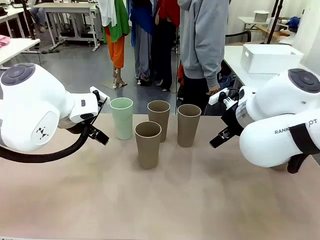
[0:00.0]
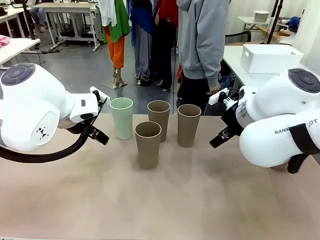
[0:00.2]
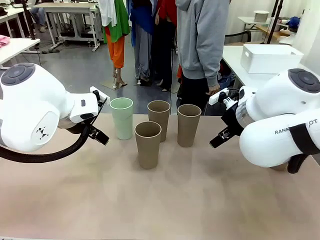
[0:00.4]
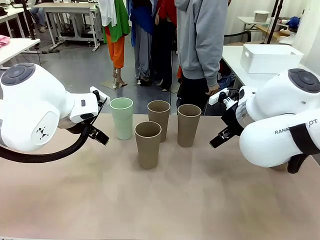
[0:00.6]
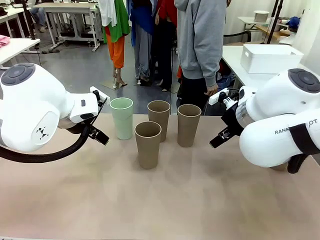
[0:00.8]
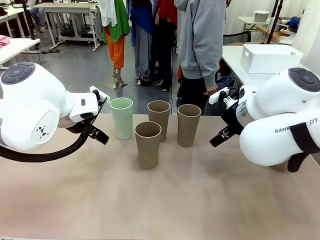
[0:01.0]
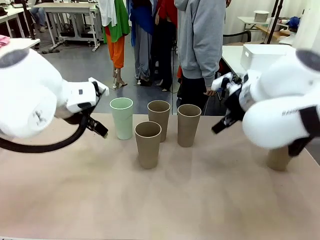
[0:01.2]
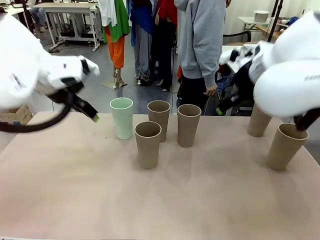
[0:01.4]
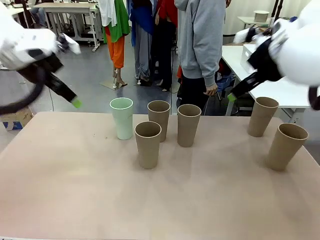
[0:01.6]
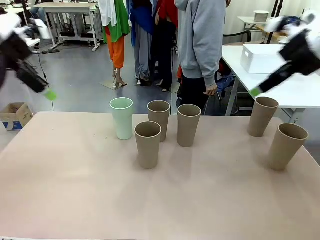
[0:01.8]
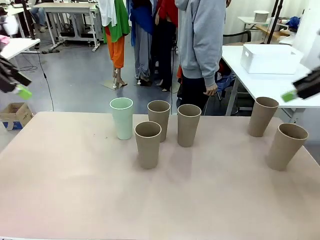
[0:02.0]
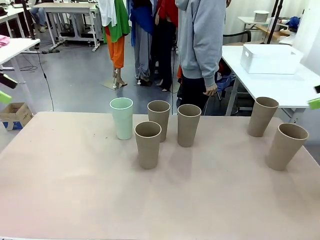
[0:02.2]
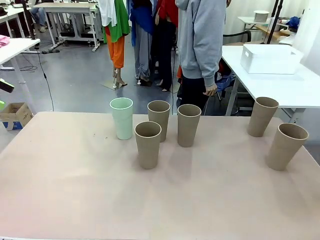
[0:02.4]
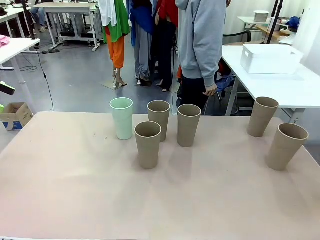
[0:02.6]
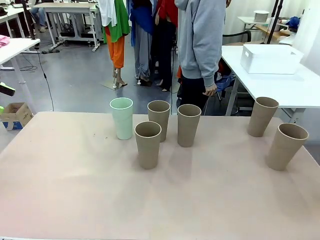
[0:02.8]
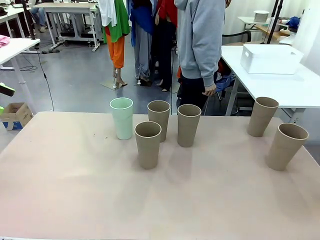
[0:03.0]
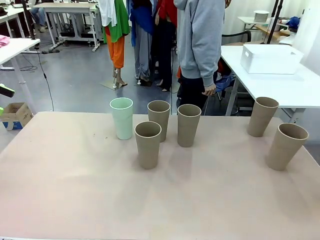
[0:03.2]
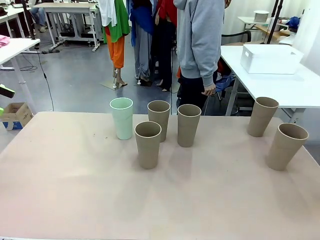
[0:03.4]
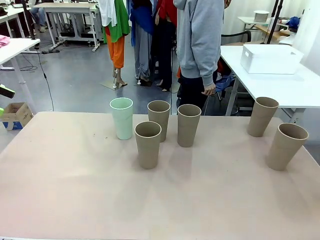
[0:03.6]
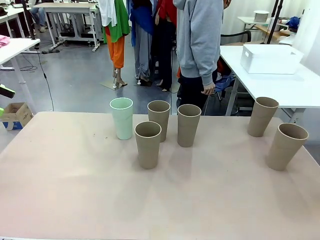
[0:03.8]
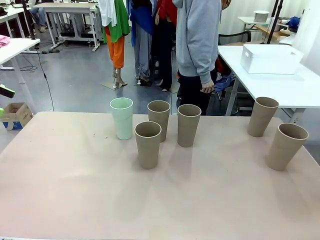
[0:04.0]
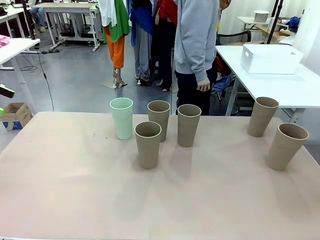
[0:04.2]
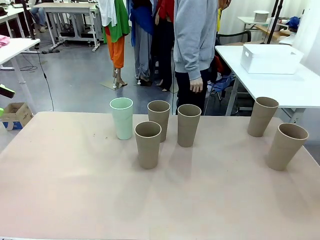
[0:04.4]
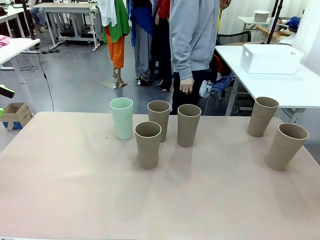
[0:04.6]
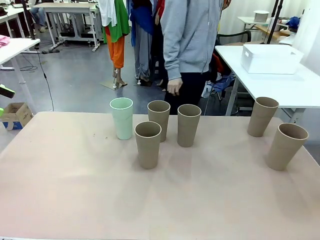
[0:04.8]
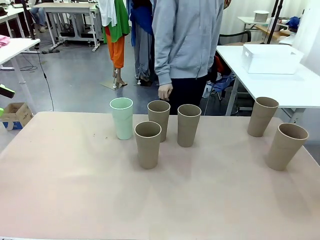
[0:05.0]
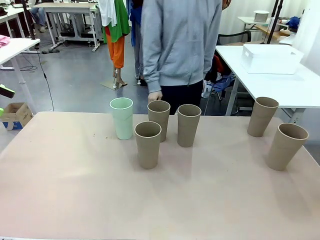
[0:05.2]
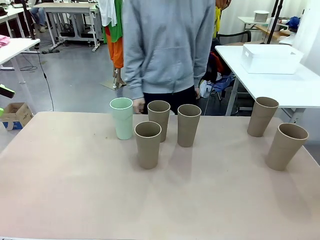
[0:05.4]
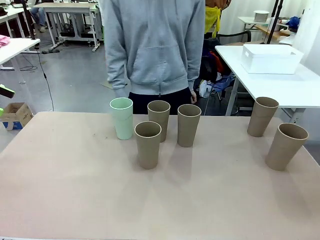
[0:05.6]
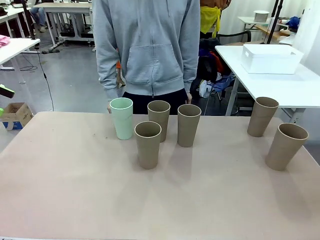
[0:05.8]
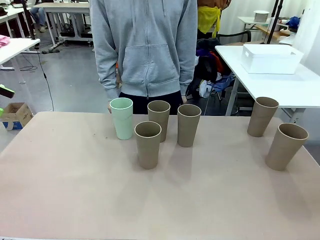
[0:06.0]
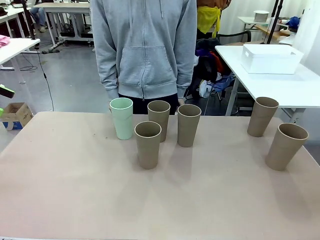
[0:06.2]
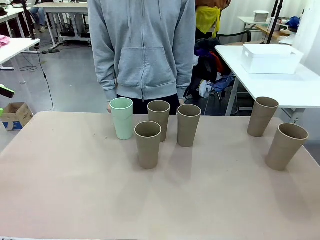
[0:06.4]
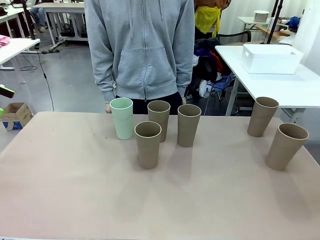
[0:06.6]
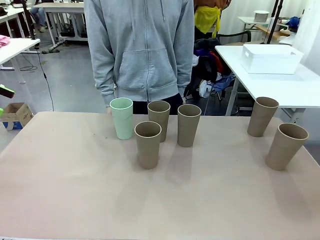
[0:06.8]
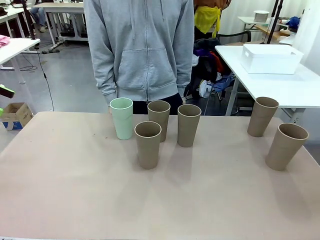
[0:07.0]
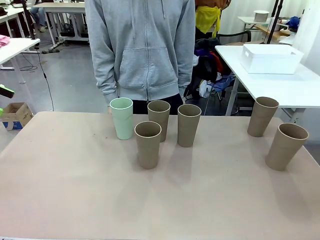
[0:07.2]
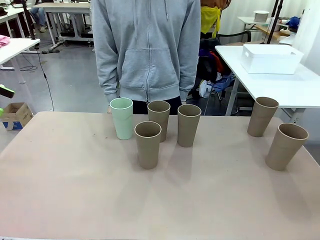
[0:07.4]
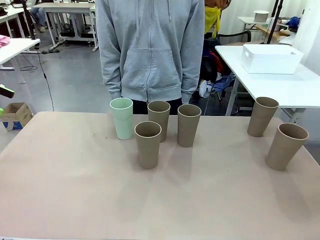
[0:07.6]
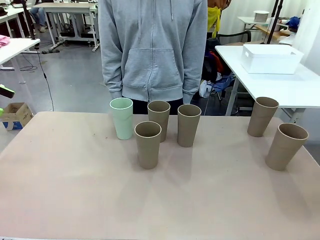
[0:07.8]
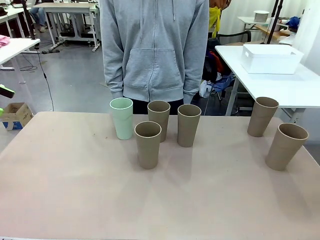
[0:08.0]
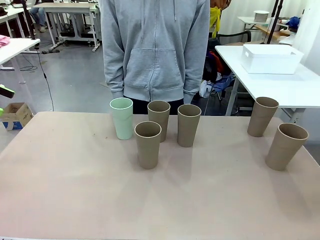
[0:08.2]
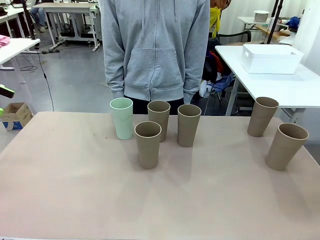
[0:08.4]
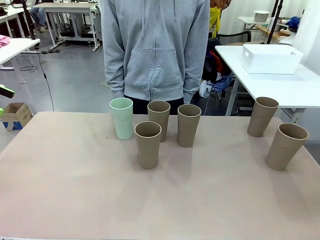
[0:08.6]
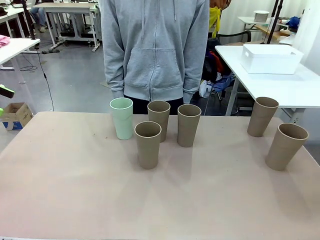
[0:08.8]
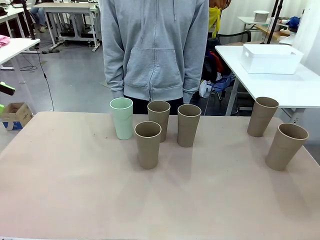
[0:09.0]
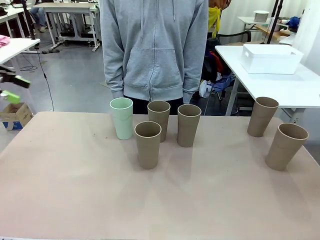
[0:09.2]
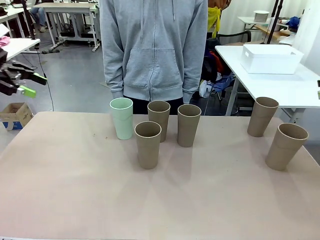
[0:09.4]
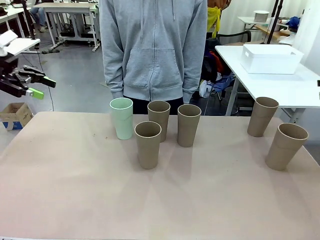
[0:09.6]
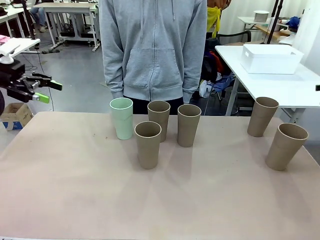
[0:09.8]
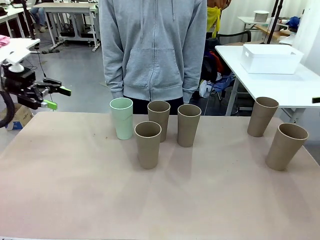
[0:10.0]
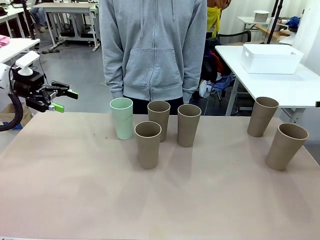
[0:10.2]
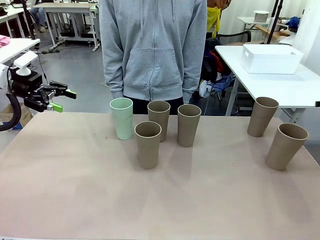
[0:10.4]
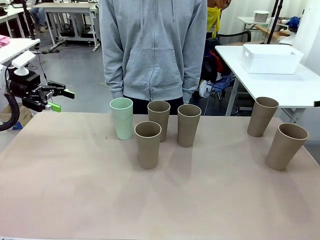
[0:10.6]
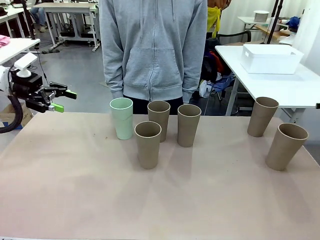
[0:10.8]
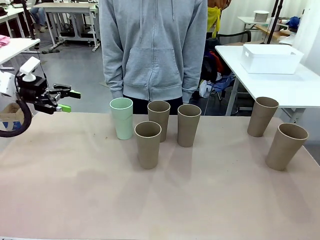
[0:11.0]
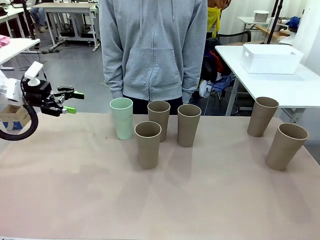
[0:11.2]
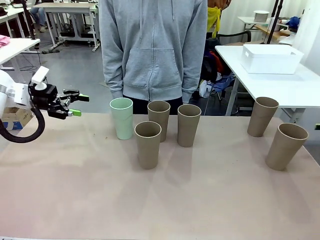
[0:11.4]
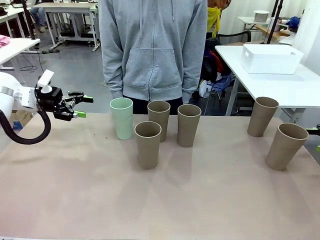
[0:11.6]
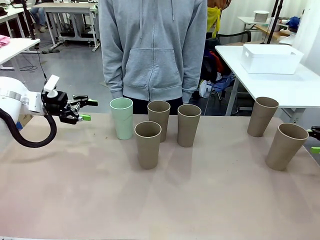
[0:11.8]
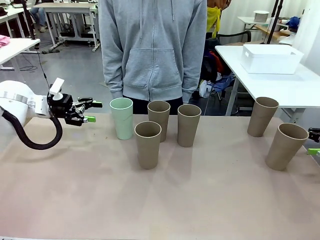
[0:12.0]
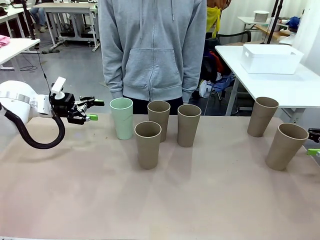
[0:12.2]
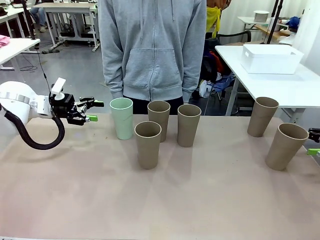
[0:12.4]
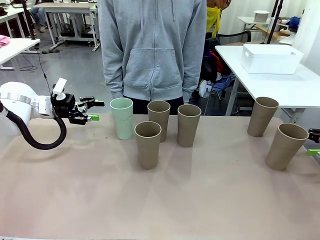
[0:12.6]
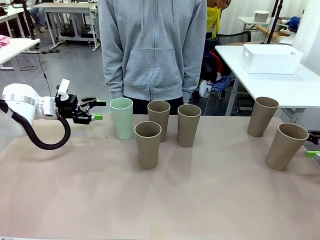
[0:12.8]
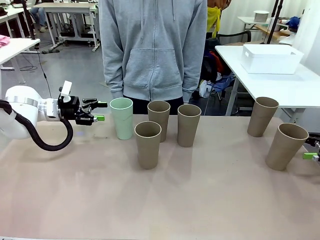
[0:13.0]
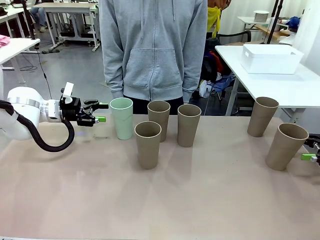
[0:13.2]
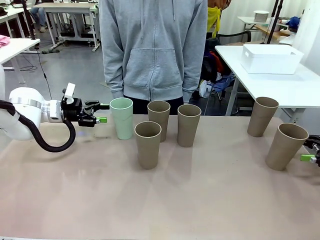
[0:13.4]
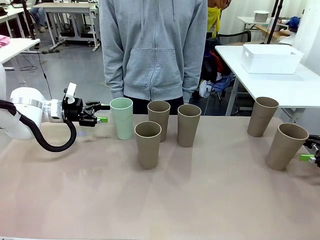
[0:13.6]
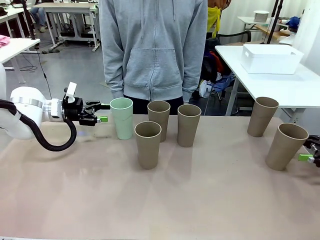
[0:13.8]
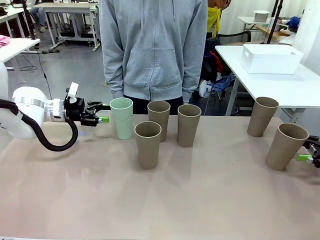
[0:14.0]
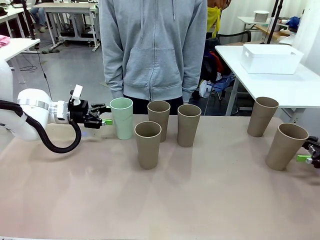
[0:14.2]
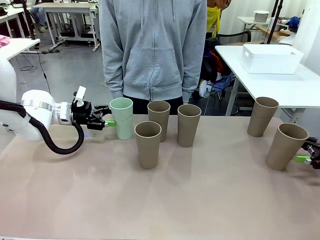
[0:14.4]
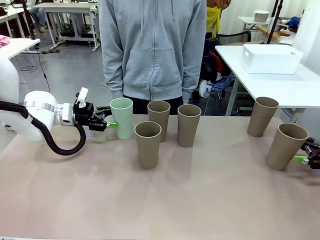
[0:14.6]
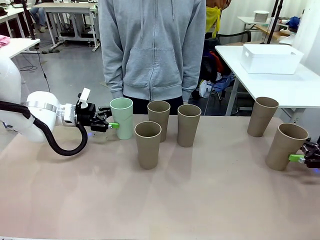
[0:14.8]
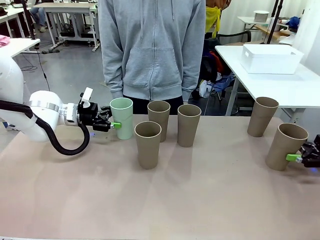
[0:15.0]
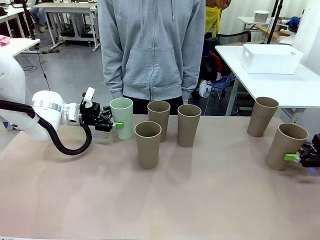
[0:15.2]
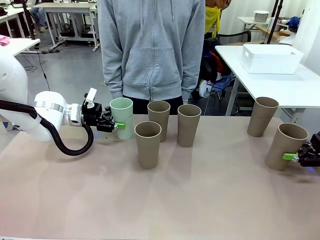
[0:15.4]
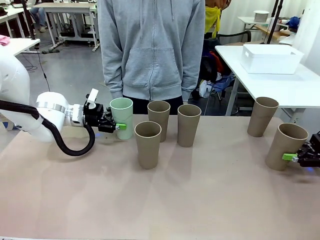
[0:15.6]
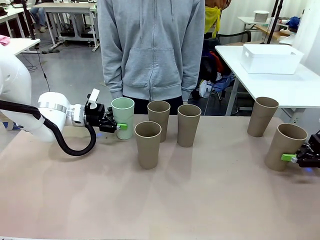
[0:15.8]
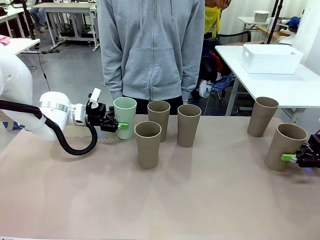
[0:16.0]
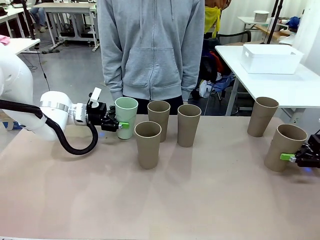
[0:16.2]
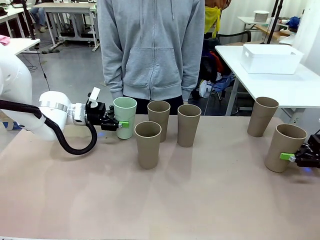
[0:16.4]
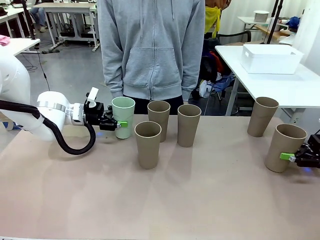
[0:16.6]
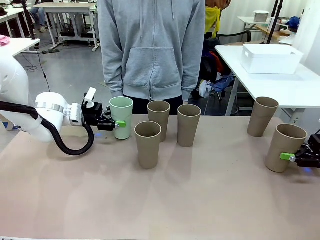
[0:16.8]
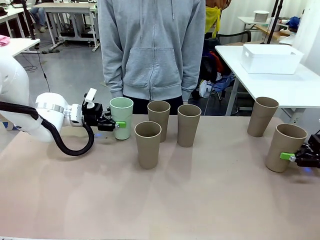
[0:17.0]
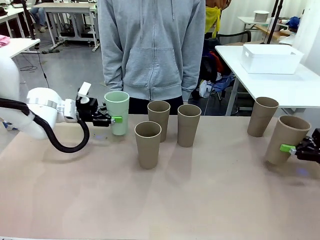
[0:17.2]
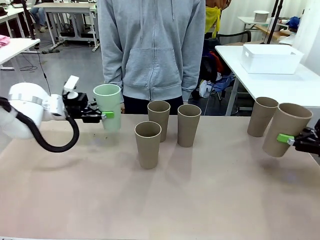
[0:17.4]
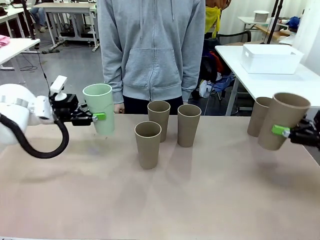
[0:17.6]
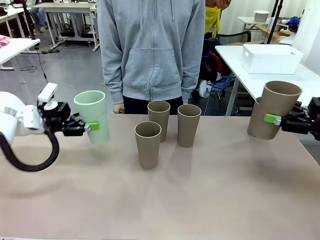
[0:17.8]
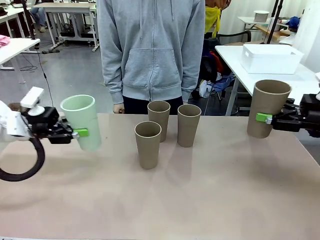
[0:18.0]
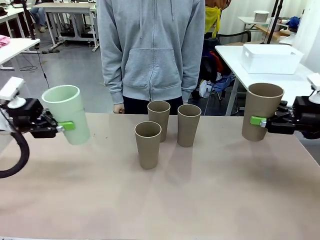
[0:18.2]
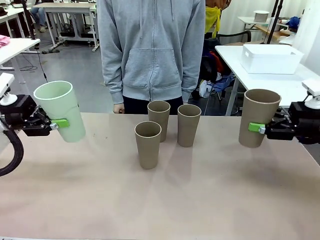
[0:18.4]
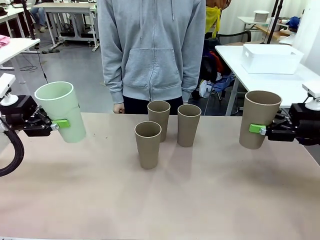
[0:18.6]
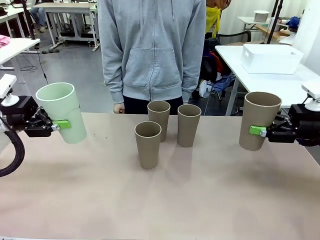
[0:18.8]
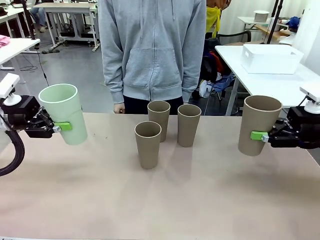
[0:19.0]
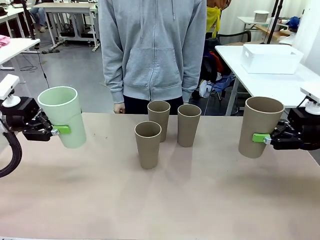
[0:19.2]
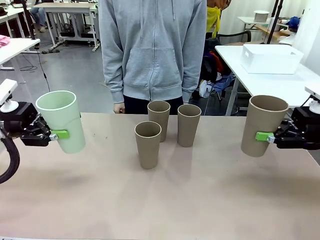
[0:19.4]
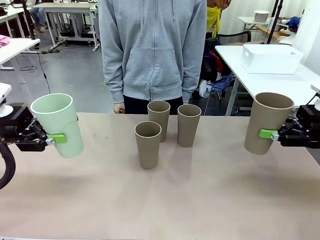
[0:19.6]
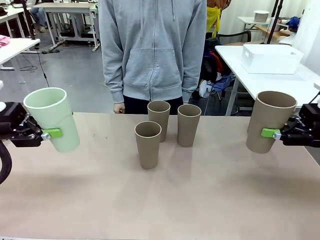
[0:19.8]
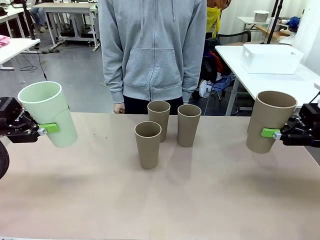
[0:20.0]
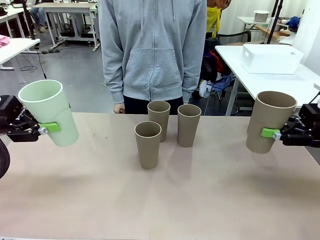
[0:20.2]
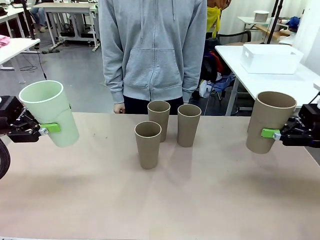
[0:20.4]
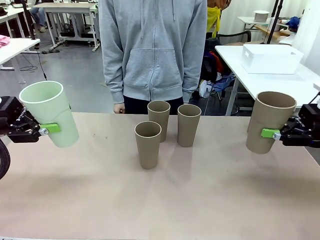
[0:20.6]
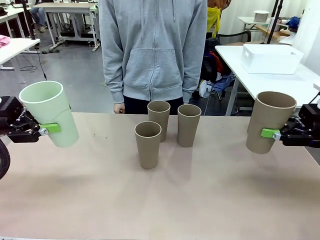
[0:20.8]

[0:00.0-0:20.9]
Task: Stack the cups and store them in the basket.
Robot: Pick up two Reusable plastic cups , one in each hand.
Person: Move from the Human Table to the front of the Robot Table. Stack two of the remaining cups on top of each cup held by the robot.
